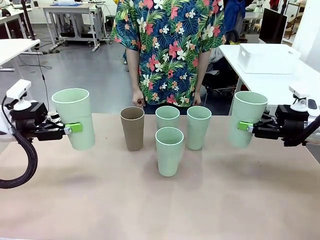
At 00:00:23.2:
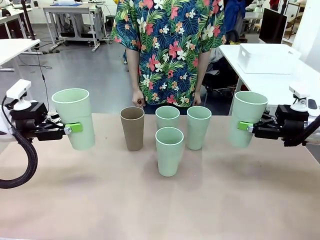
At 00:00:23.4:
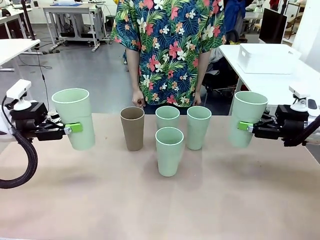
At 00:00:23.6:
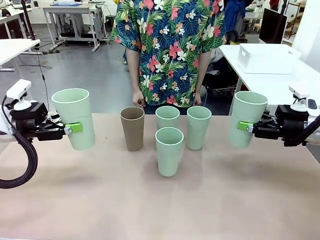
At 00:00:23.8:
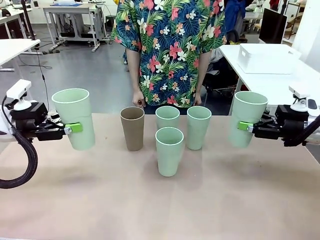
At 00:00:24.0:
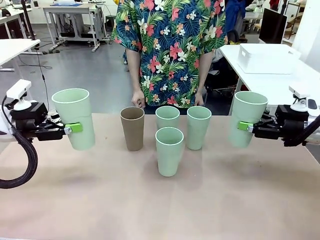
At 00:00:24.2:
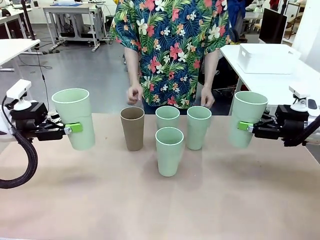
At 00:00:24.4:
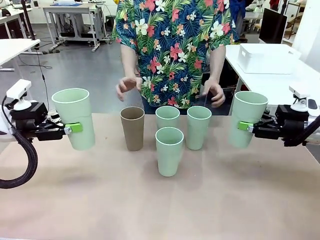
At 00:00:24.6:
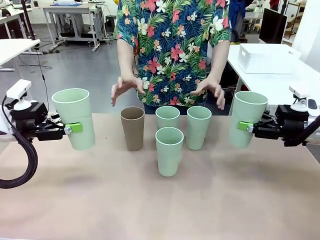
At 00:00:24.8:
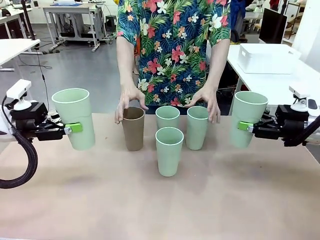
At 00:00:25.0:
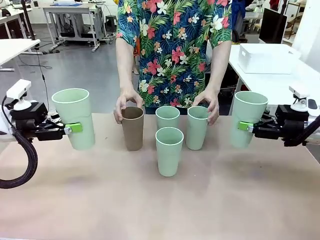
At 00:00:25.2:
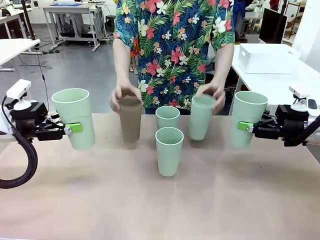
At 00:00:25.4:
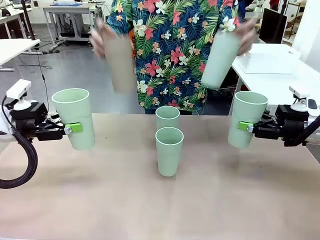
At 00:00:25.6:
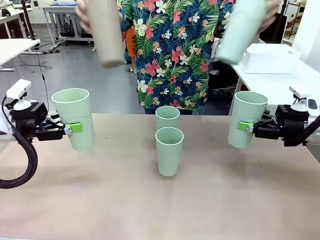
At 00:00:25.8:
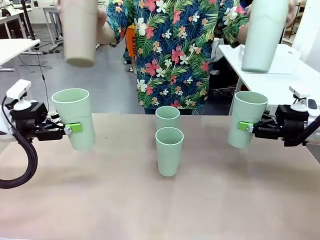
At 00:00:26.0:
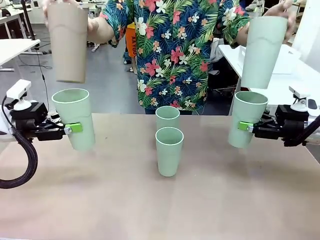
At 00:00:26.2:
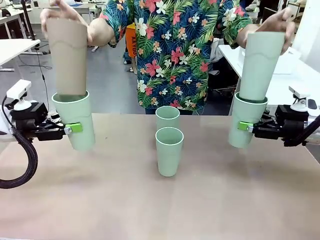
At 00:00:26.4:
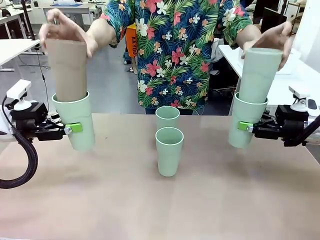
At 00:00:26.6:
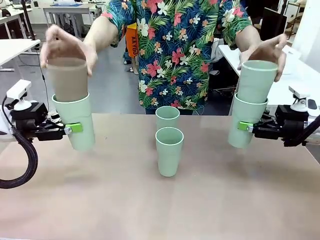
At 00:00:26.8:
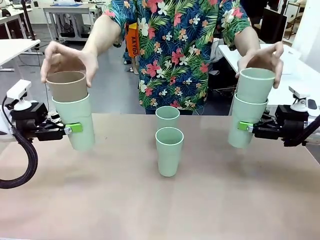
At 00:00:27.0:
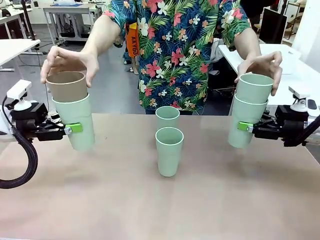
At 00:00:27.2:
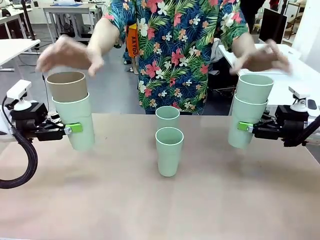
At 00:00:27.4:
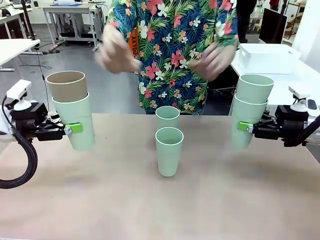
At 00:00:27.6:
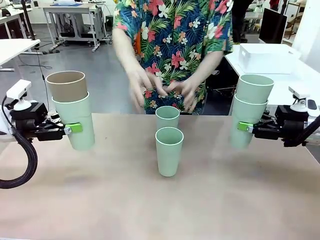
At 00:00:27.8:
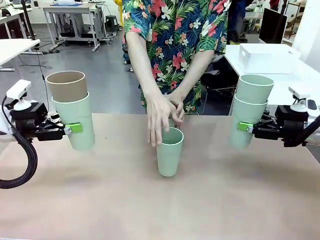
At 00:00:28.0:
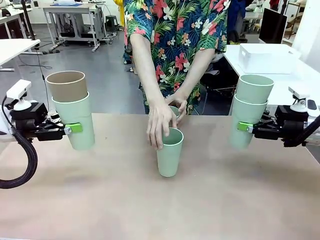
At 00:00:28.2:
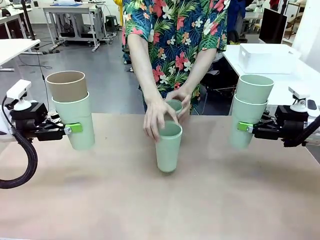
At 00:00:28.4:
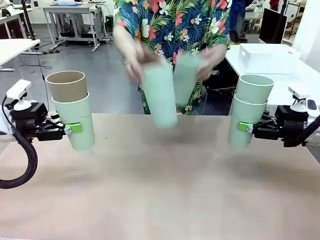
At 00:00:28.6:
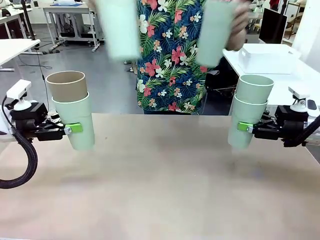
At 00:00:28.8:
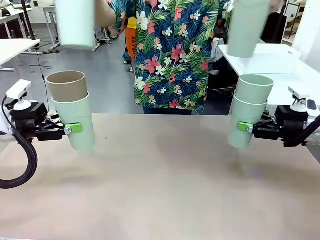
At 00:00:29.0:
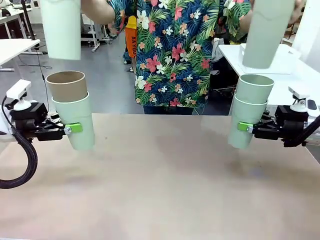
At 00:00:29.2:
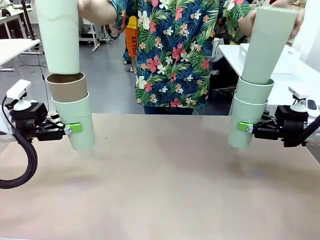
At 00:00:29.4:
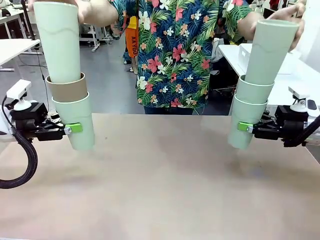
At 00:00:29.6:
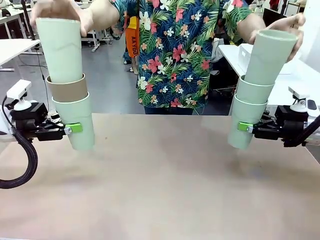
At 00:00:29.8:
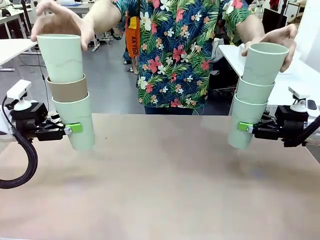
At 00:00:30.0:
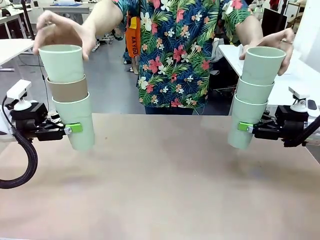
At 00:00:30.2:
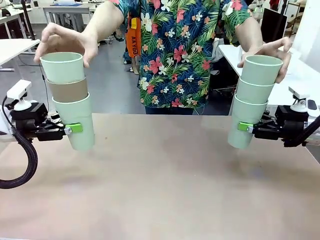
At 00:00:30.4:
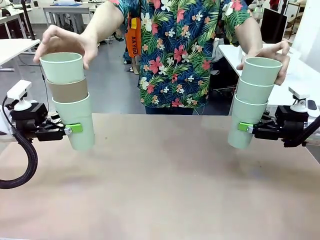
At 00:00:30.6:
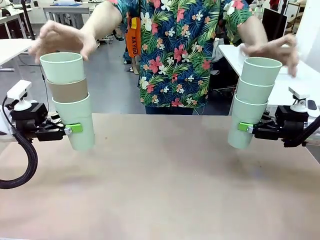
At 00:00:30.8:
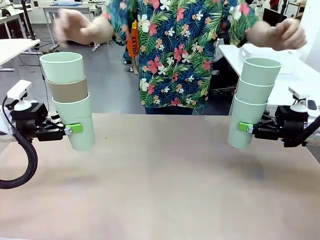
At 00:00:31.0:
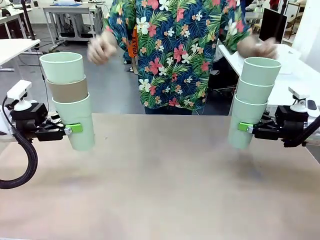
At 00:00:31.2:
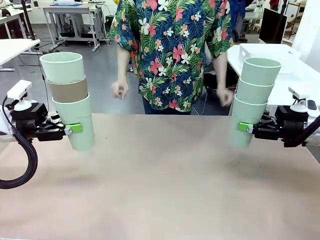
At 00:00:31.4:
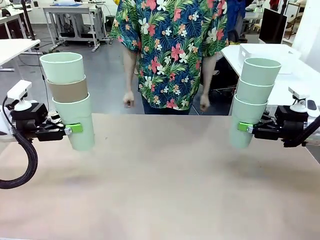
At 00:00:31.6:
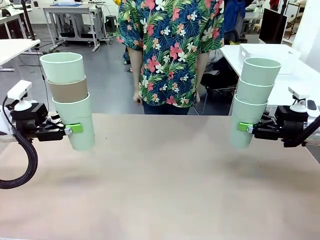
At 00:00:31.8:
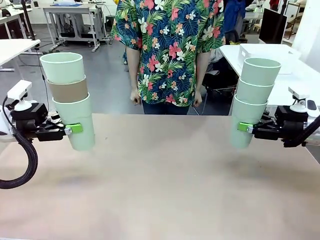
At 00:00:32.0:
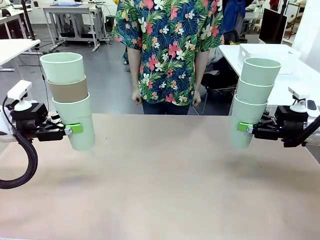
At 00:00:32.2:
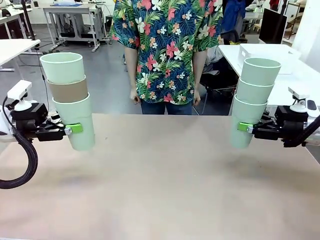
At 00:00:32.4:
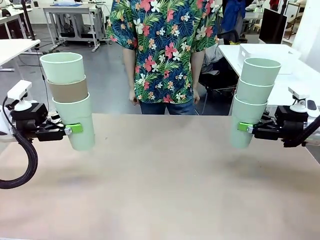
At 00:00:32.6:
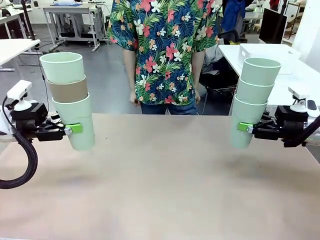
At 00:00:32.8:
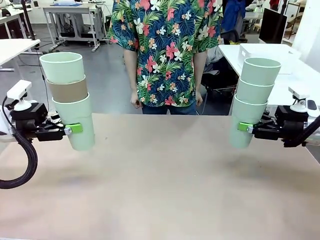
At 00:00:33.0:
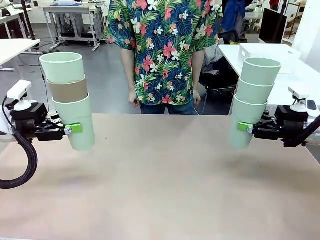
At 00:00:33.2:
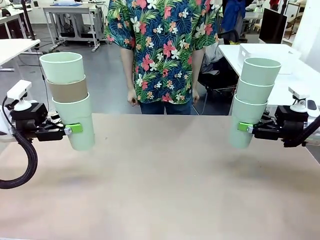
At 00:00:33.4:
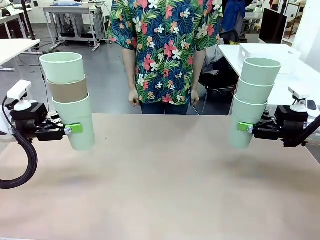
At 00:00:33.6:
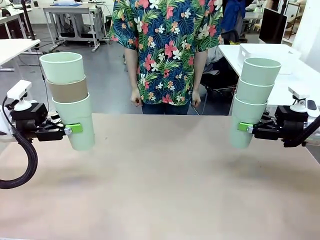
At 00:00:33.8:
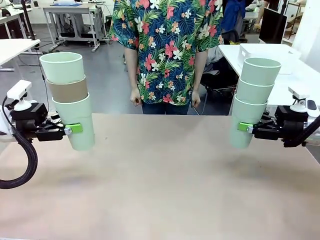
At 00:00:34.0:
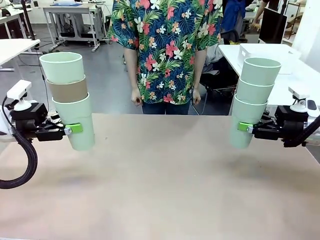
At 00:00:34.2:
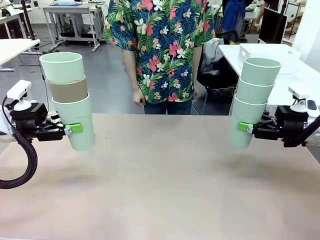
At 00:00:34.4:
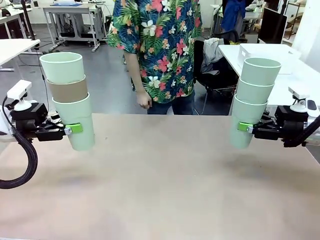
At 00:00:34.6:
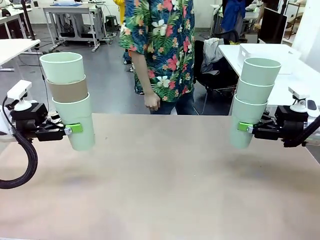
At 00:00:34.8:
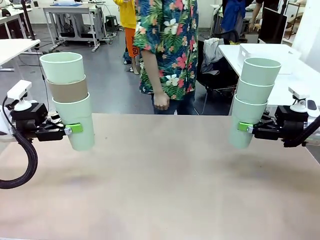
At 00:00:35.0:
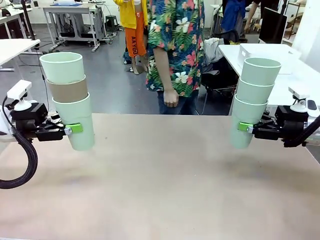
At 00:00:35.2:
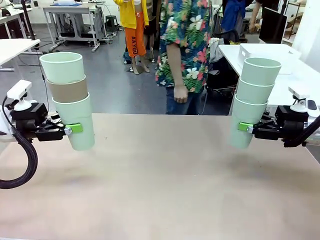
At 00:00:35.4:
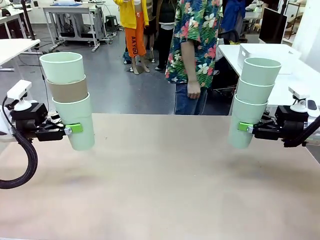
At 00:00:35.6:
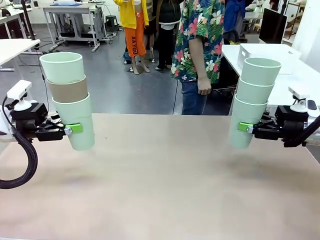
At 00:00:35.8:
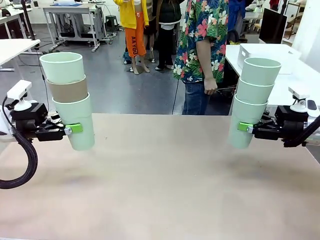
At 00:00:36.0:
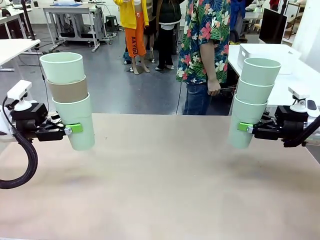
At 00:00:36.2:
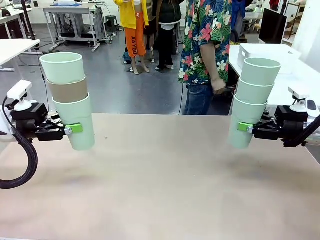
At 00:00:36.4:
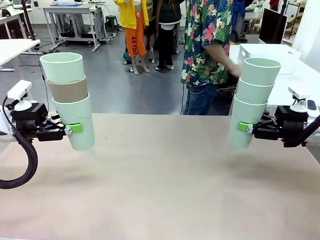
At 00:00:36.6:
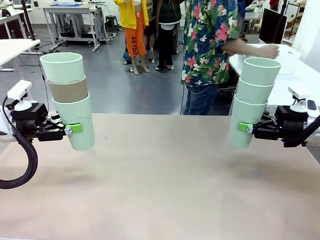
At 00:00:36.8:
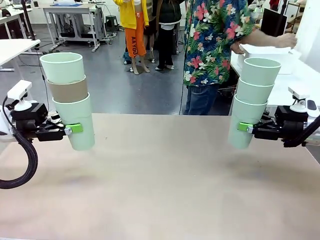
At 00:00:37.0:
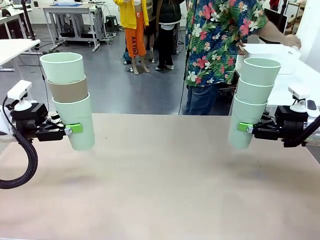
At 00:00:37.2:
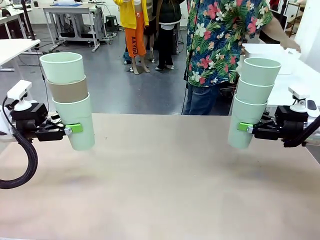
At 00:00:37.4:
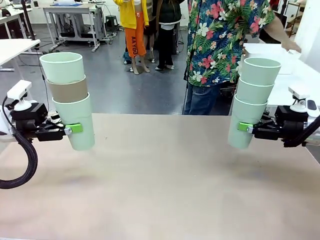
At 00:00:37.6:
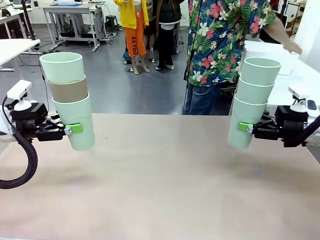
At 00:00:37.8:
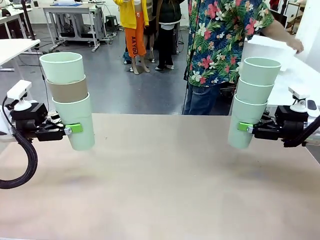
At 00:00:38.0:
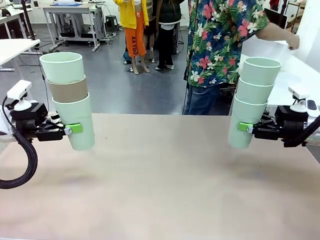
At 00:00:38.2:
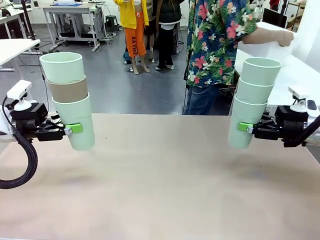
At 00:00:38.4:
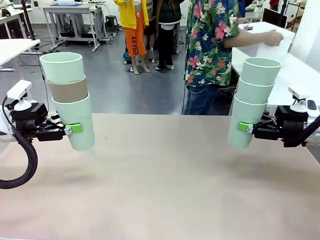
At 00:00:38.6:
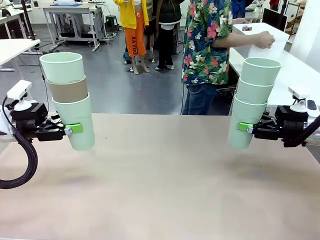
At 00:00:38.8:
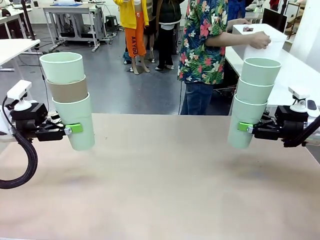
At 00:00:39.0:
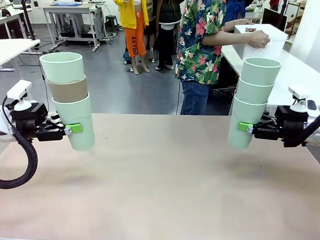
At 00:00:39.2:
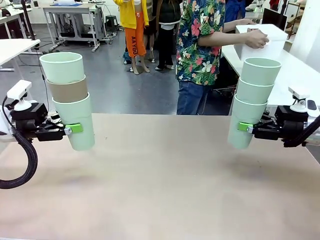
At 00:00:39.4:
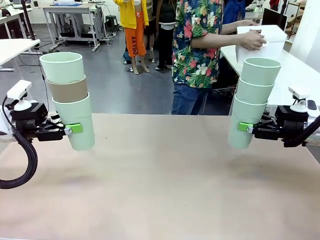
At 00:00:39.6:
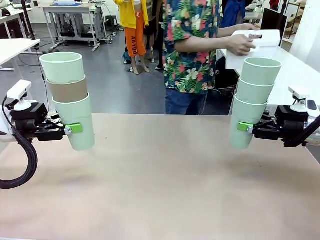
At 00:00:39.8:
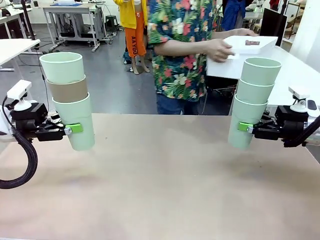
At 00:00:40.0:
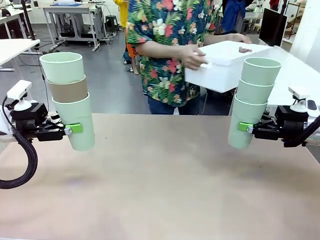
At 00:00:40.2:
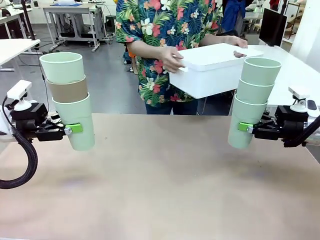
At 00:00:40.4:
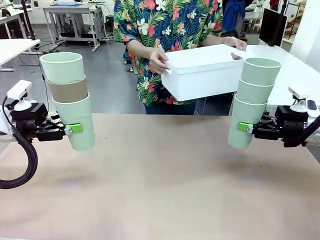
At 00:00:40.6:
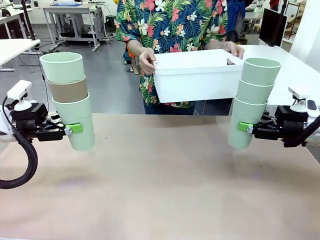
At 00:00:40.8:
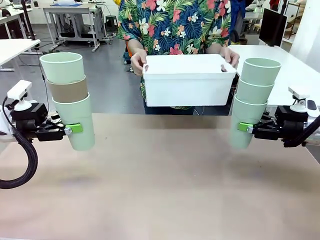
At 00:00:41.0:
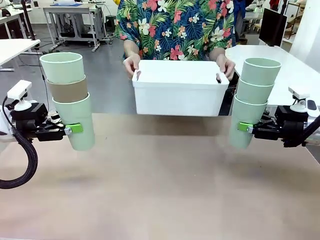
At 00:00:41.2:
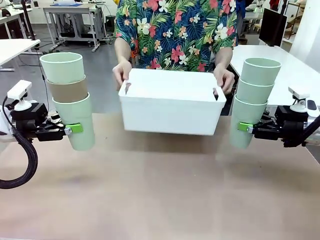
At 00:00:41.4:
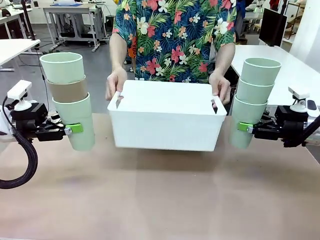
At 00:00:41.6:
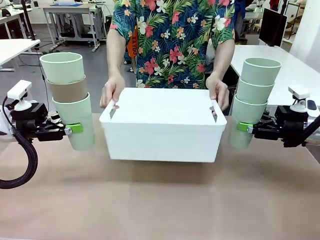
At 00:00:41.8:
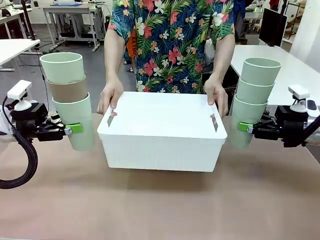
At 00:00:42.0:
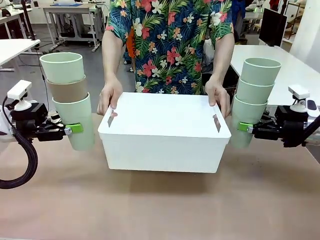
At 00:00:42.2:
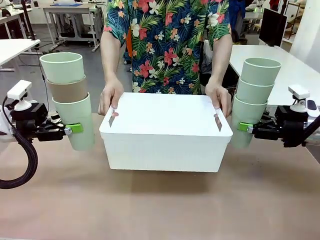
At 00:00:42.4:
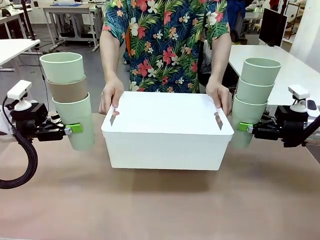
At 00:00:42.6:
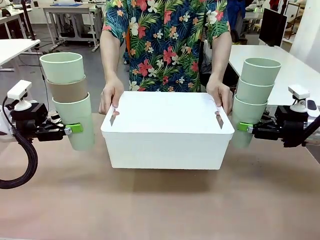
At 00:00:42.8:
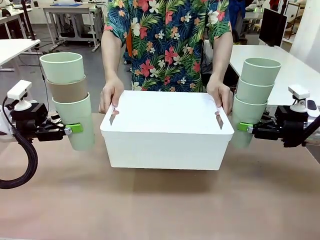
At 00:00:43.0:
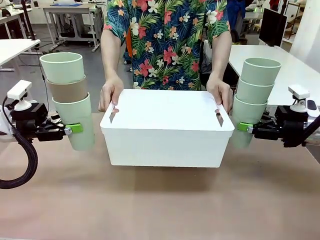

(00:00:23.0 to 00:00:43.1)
Task: Stack the cups and store them in the basket.
Robot: Place the stack of Reusable plastic cups into the Pantry Basket.
Person: Pick up the basket from the Human Table, bring it to the front of the robot, and present it.
